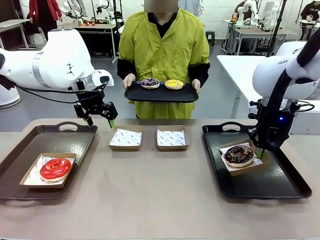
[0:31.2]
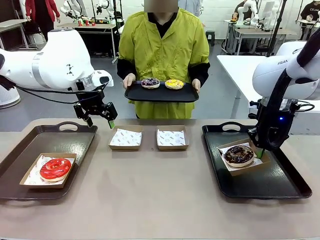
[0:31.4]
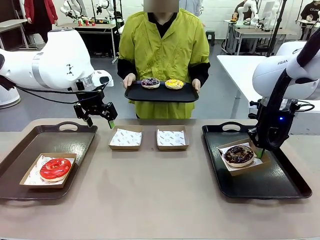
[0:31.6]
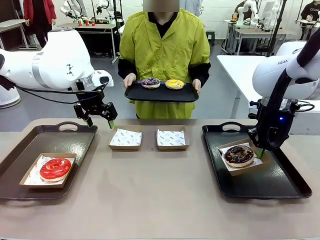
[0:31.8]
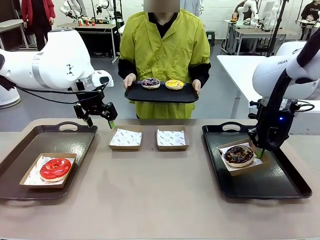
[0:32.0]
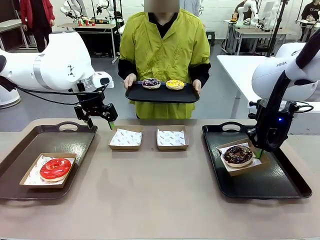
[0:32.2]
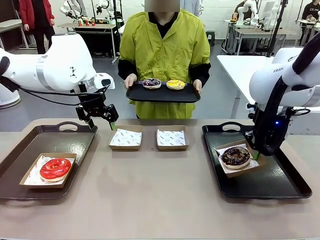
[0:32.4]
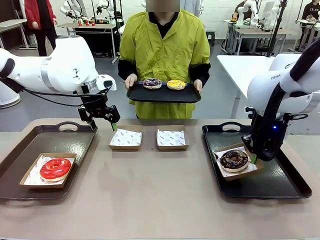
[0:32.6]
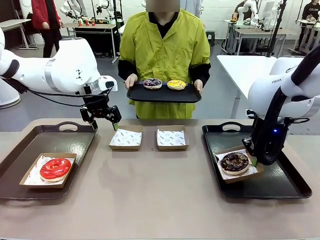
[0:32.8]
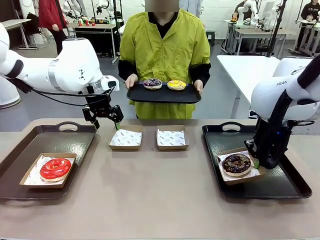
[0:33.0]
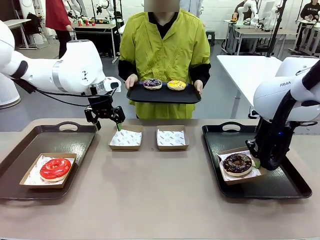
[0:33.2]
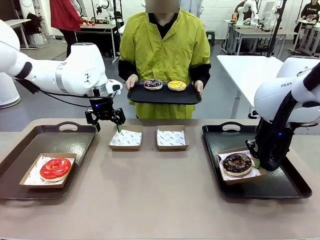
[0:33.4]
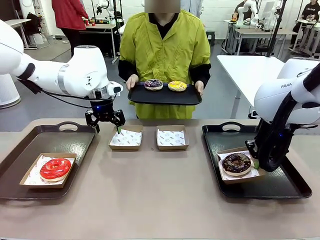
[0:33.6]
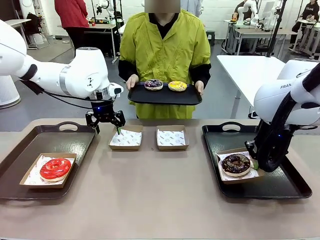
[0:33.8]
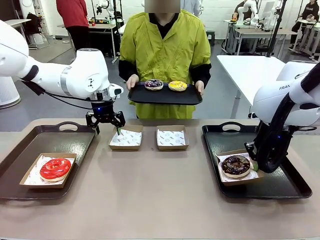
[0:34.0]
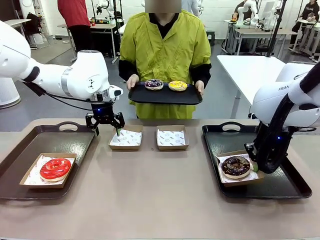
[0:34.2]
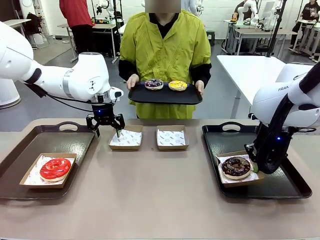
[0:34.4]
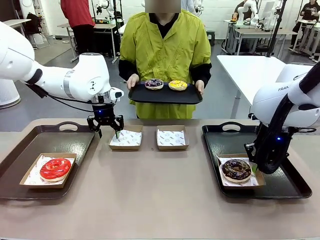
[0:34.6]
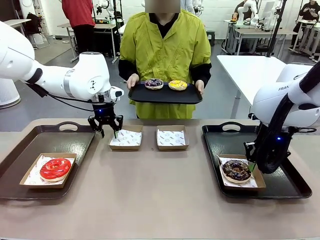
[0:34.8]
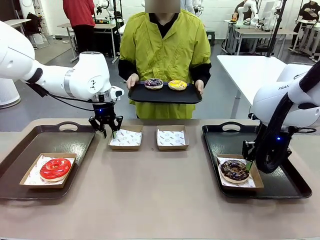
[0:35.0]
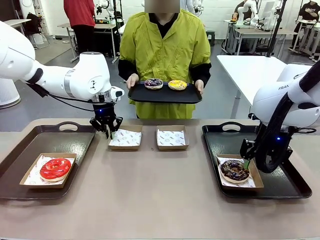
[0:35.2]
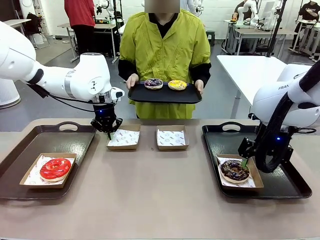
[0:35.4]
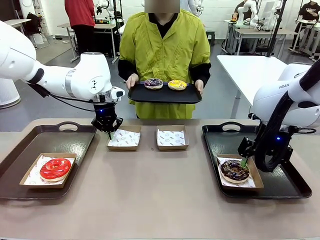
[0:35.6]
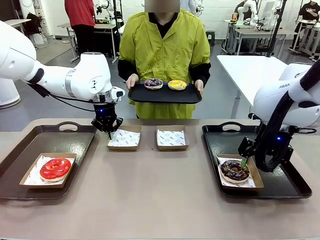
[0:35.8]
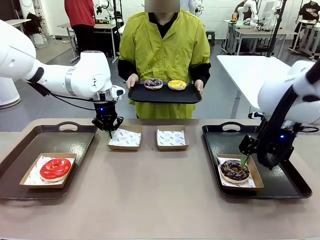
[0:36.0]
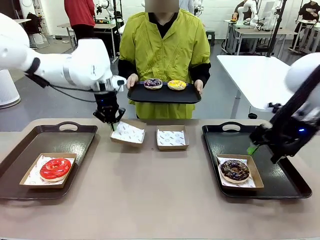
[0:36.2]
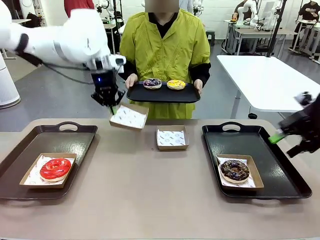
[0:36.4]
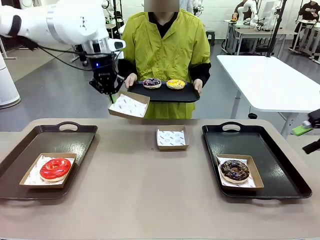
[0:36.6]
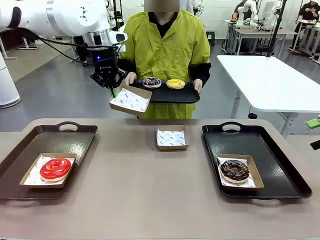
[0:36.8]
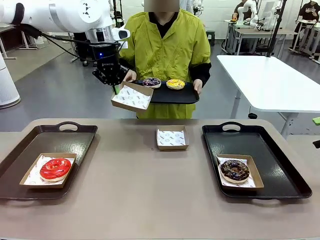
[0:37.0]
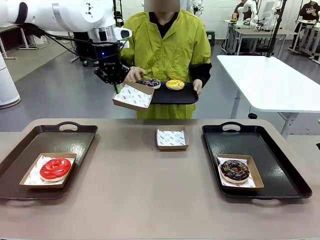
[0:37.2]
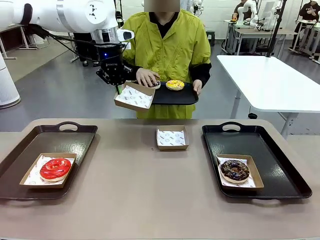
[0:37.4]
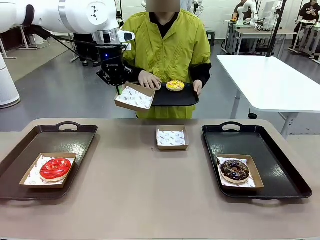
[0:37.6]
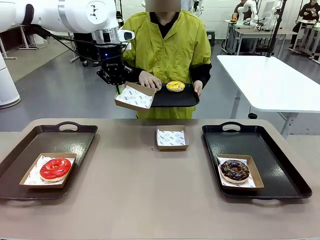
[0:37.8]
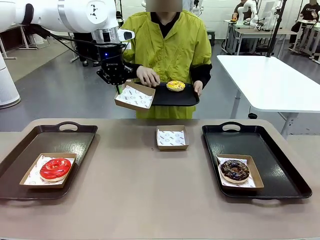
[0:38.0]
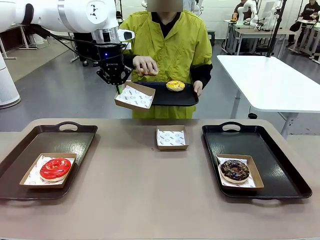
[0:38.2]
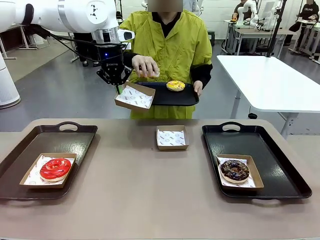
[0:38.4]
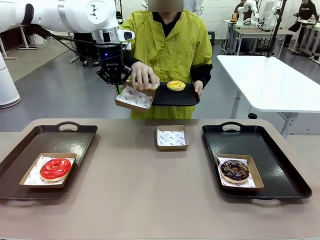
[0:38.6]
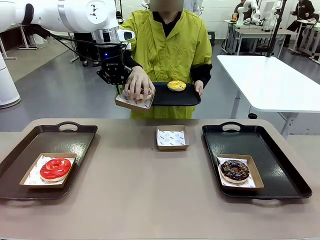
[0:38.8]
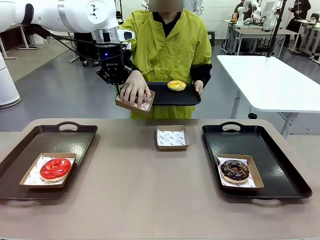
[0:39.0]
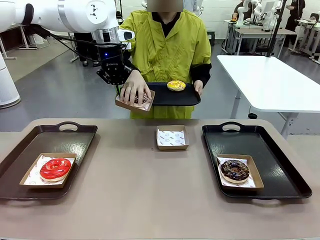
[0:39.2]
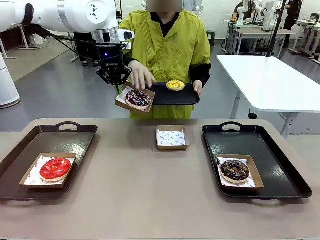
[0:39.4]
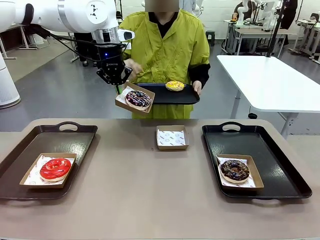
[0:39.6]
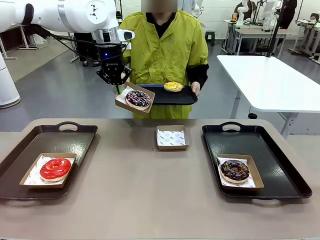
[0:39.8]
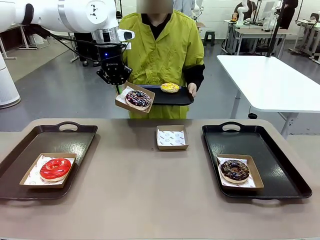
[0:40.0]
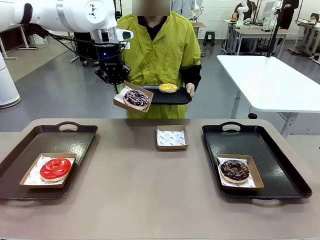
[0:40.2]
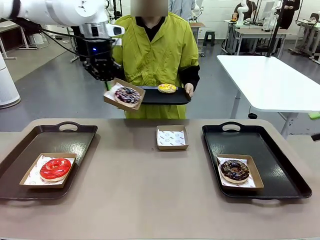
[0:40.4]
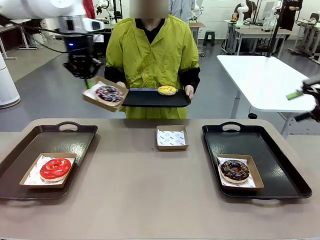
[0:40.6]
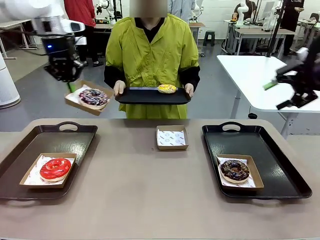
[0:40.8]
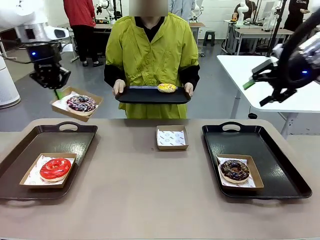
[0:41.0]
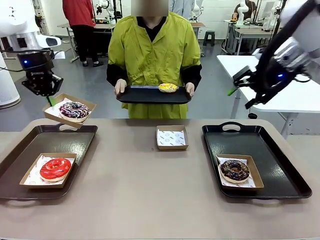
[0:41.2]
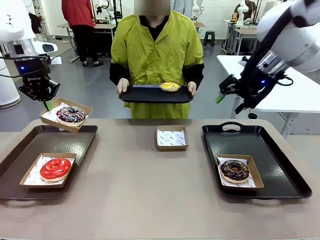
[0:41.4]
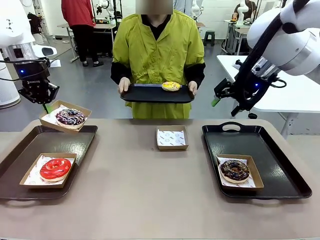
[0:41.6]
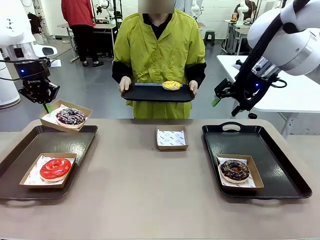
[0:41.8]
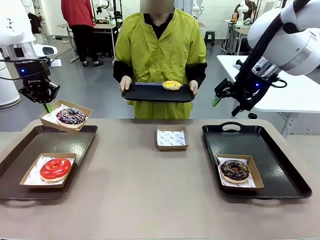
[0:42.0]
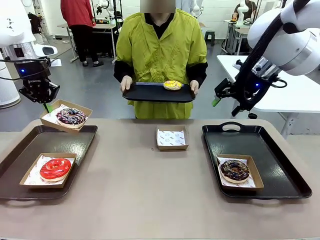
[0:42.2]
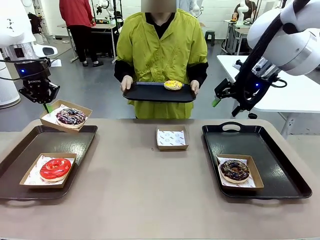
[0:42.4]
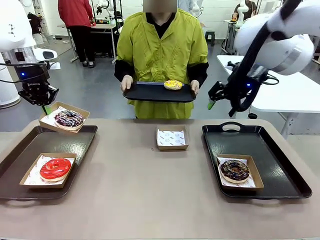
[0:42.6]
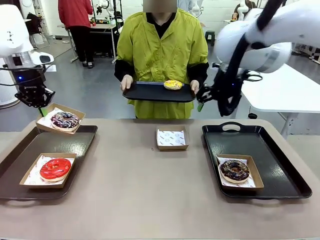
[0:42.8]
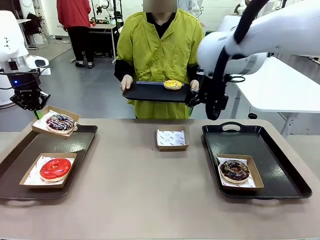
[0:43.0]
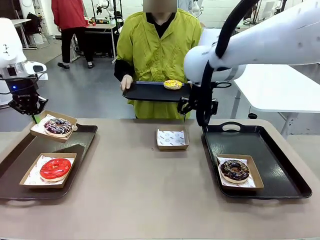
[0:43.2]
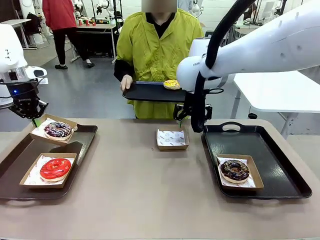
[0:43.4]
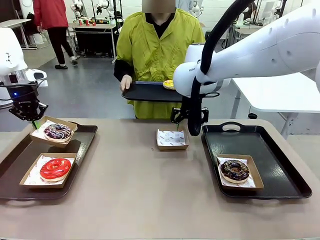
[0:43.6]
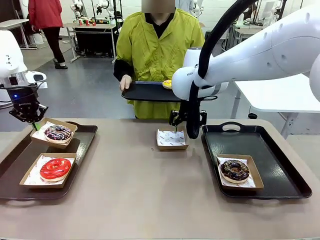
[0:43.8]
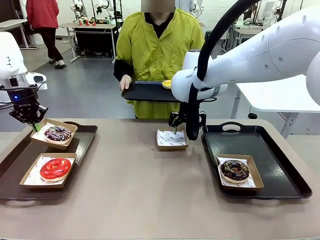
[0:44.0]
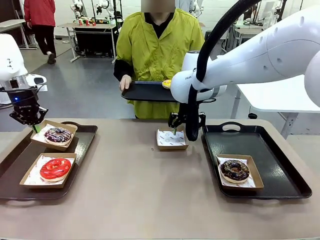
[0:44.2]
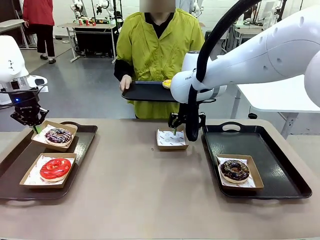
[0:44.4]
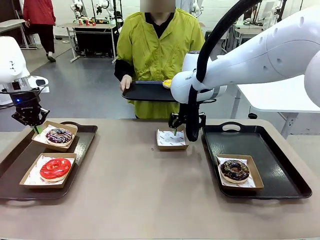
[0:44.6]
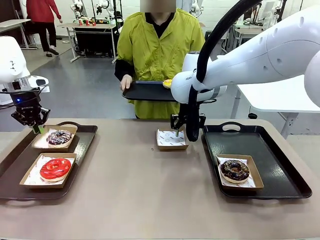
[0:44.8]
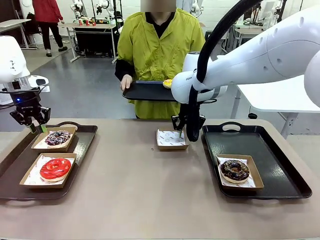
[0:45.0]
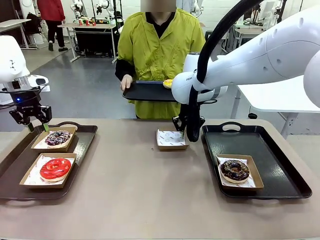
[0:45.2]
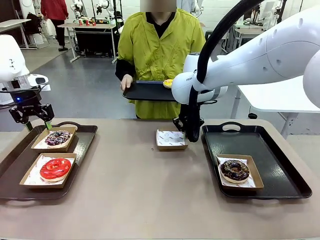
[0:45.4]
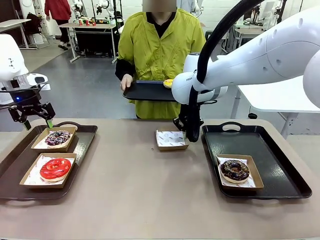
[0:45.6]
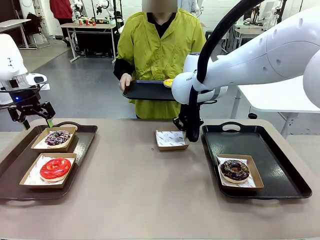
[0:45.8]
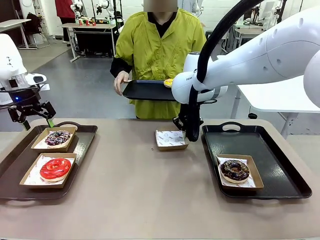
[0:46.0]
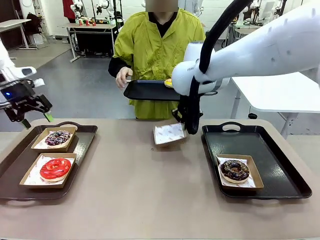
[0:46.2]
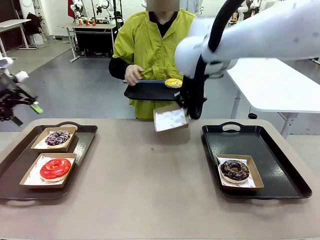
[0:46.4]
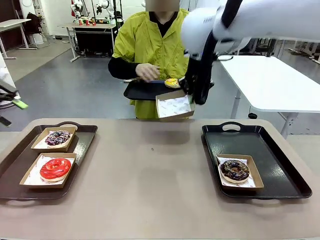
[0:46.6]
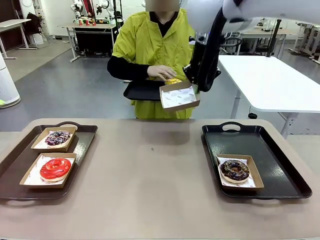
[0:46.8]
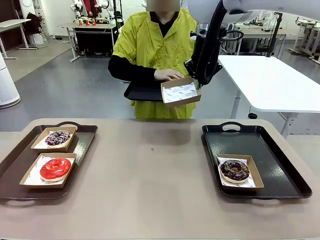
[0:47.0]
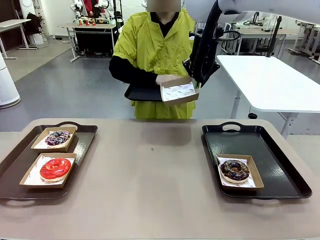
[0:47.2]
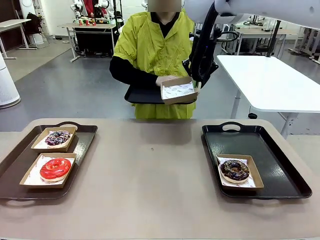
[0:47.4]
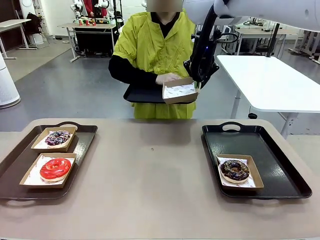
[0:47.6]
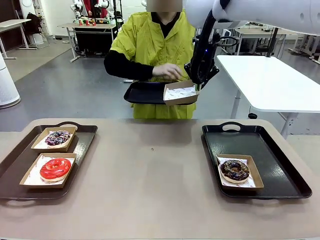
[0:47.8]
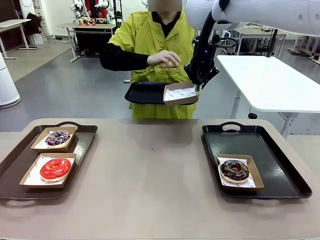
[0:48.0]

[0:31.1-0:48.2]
Task: Individually package the donuts and arrange them on the tray.
Robot: Place the picked Paper togo box on the Handle tray while simultaneously picking up another Paper togo box from the table with the other hand.
